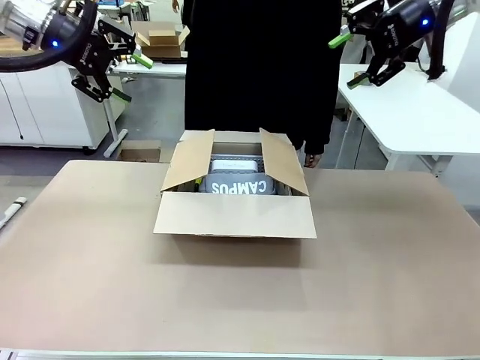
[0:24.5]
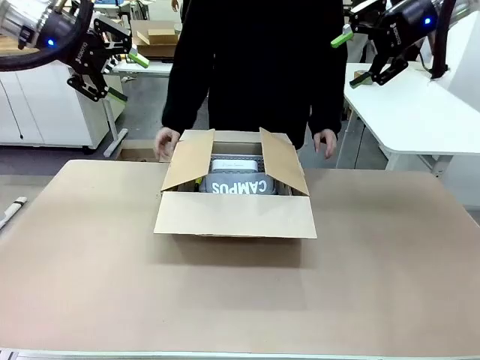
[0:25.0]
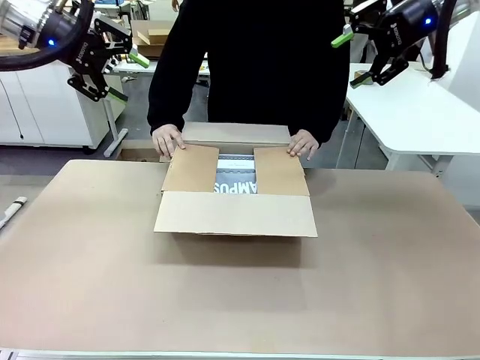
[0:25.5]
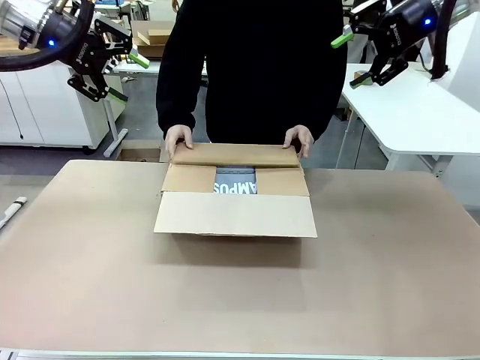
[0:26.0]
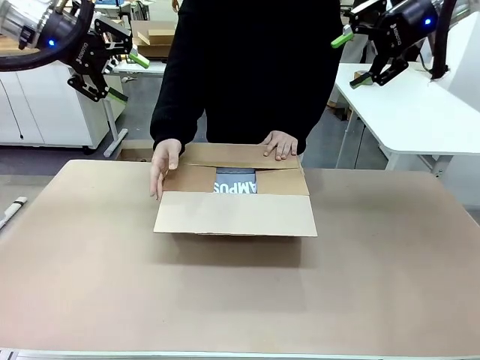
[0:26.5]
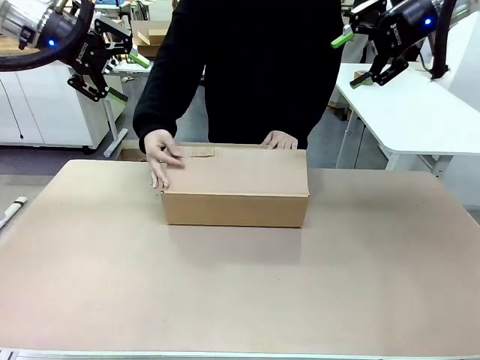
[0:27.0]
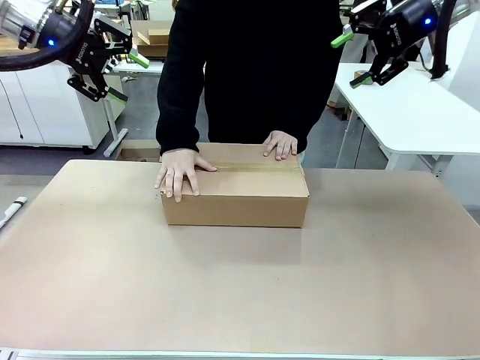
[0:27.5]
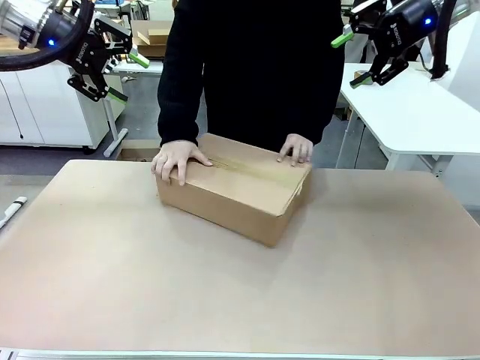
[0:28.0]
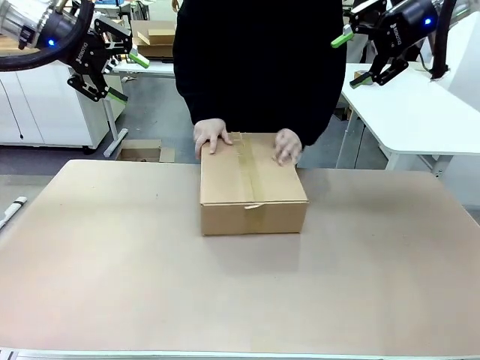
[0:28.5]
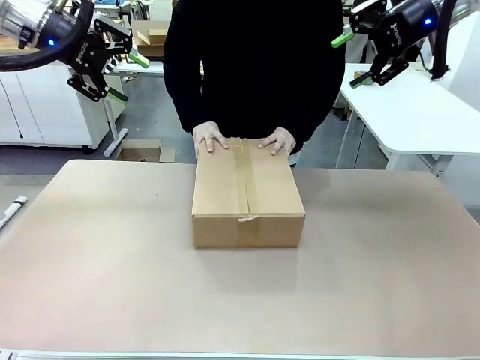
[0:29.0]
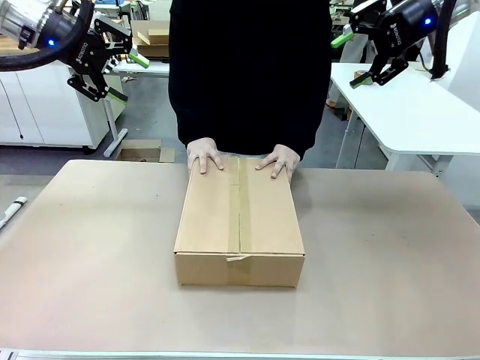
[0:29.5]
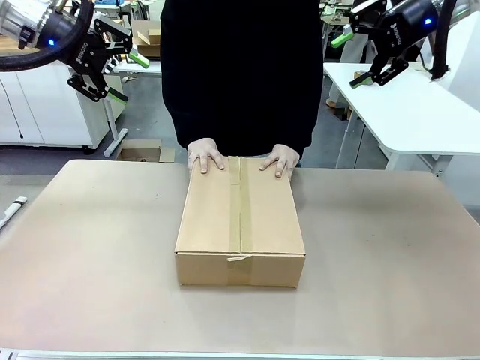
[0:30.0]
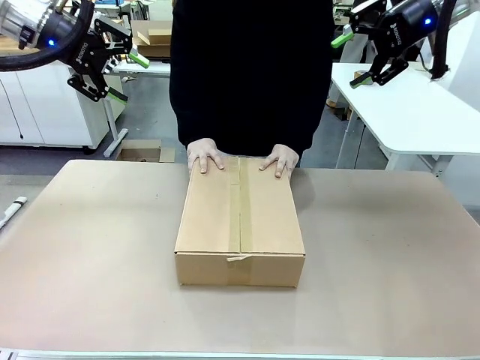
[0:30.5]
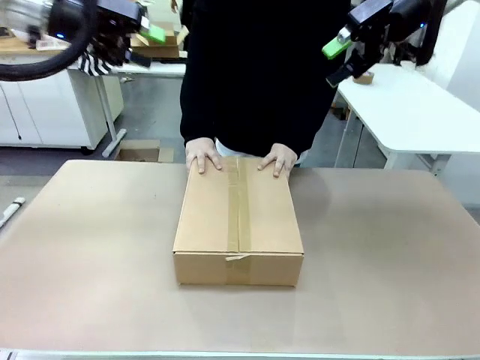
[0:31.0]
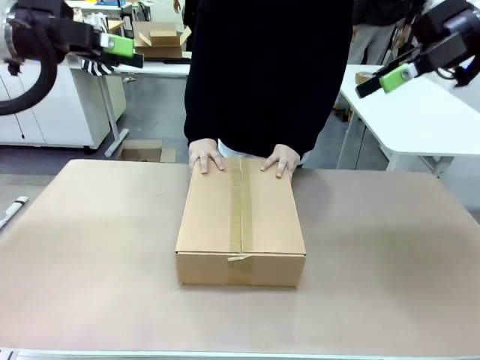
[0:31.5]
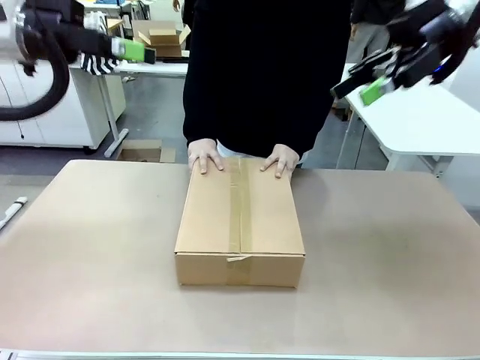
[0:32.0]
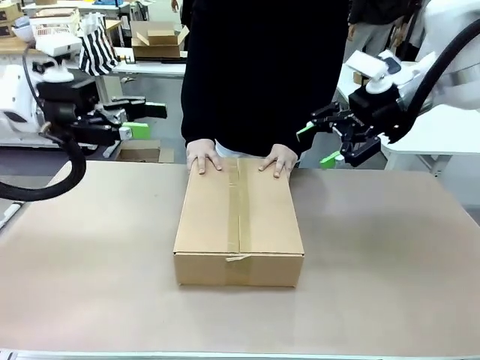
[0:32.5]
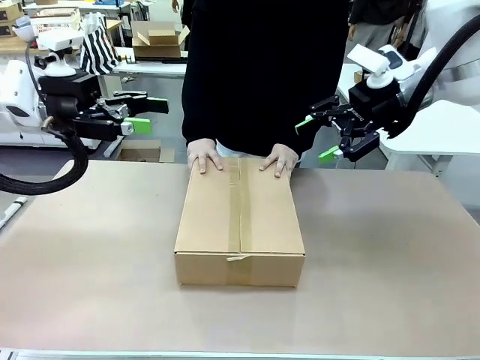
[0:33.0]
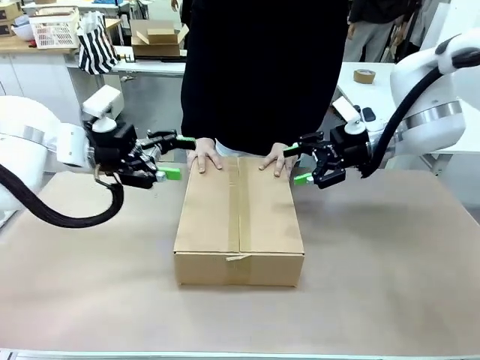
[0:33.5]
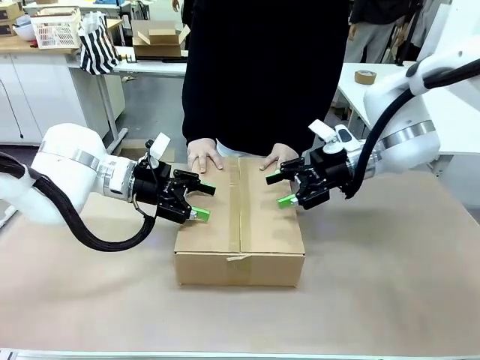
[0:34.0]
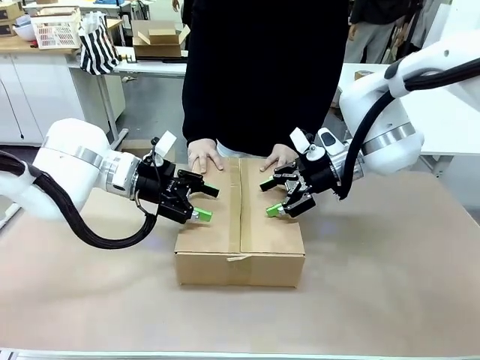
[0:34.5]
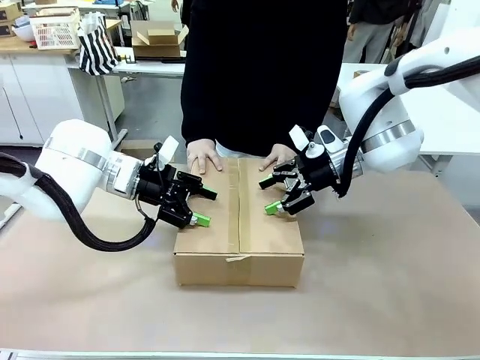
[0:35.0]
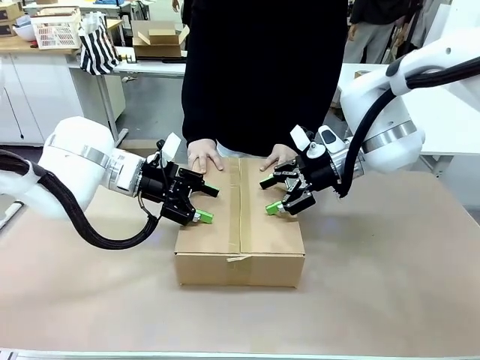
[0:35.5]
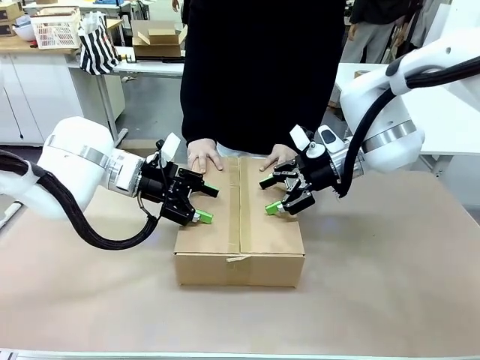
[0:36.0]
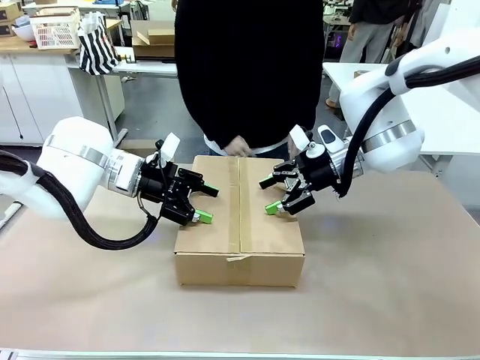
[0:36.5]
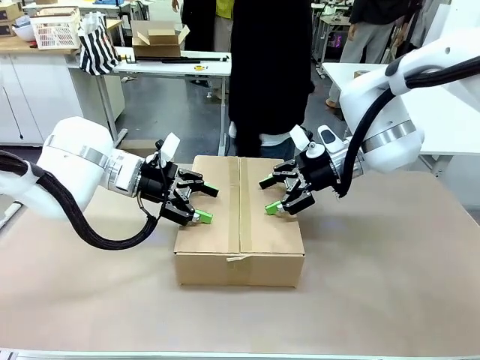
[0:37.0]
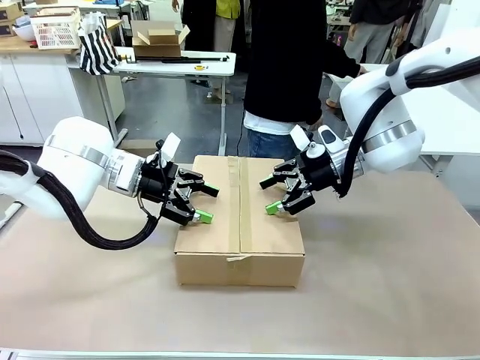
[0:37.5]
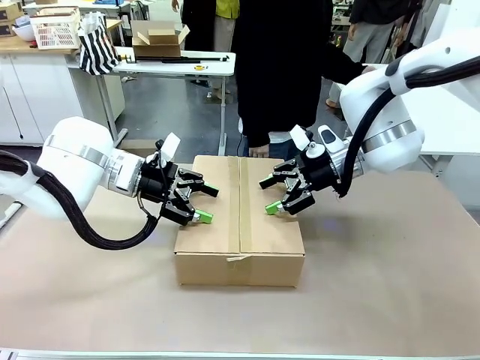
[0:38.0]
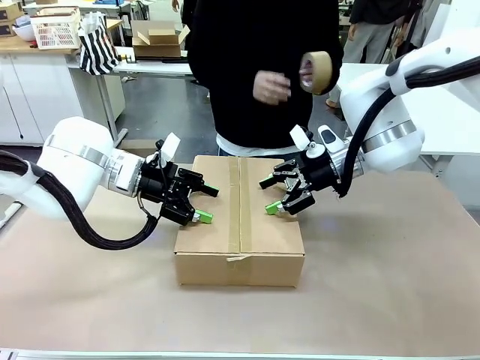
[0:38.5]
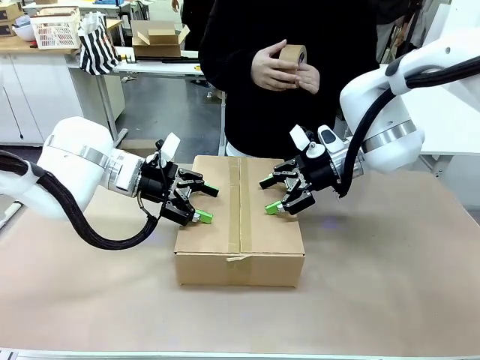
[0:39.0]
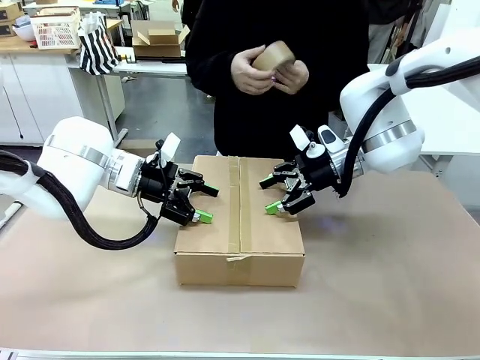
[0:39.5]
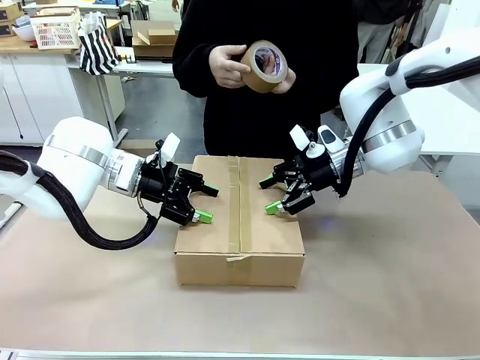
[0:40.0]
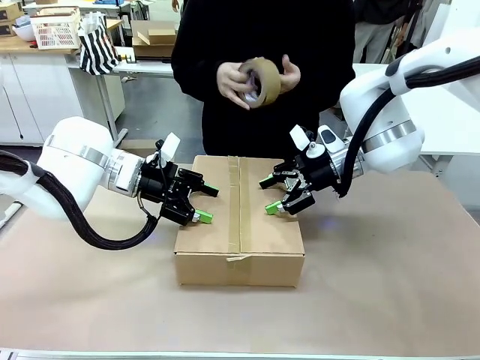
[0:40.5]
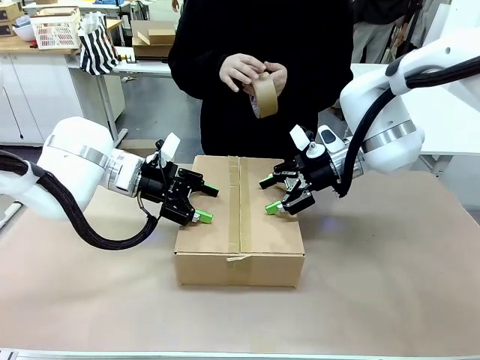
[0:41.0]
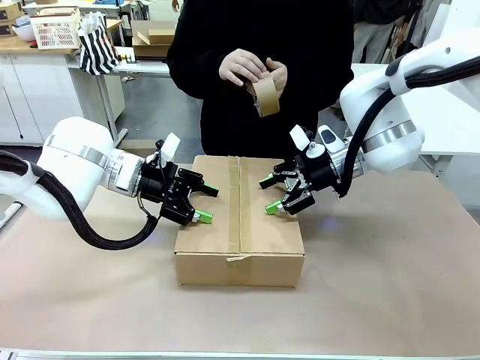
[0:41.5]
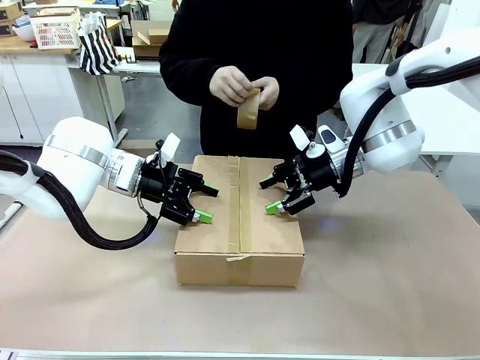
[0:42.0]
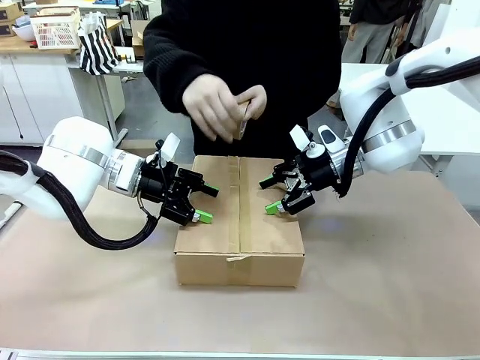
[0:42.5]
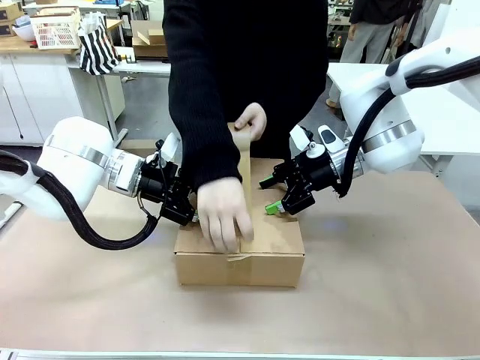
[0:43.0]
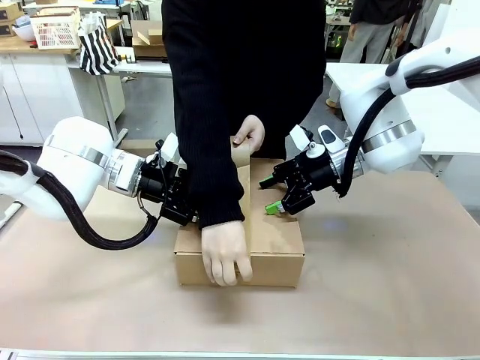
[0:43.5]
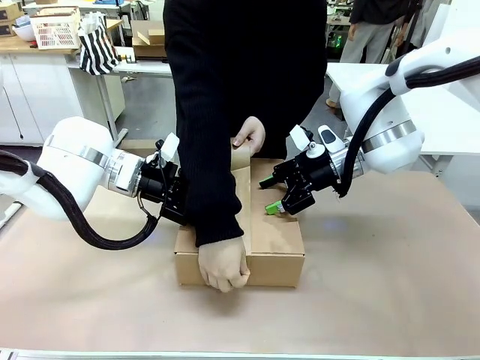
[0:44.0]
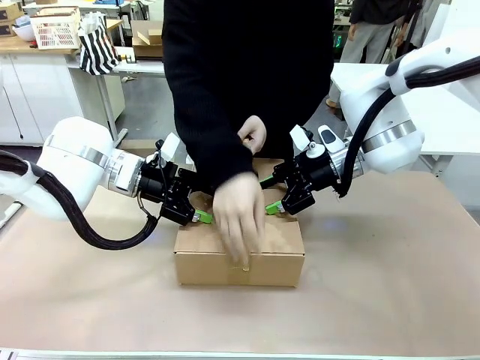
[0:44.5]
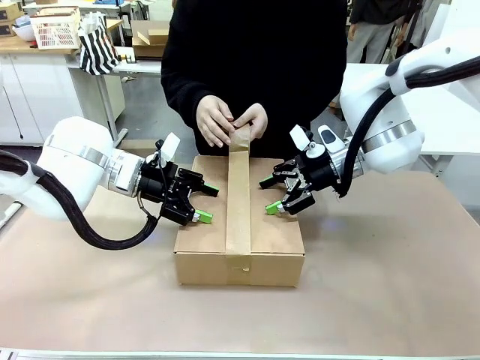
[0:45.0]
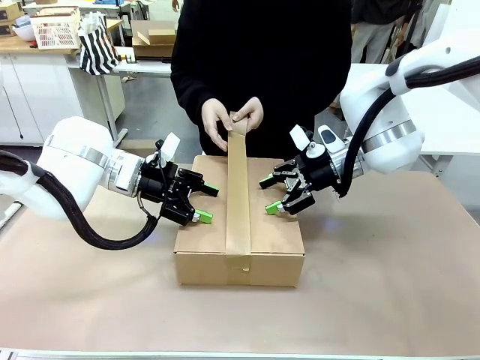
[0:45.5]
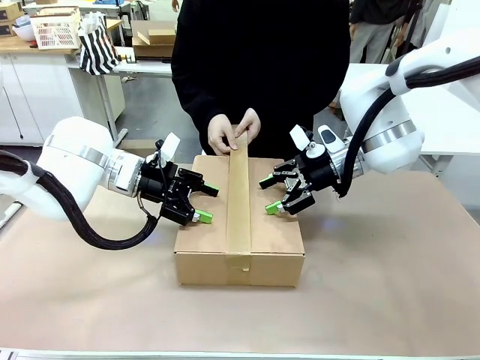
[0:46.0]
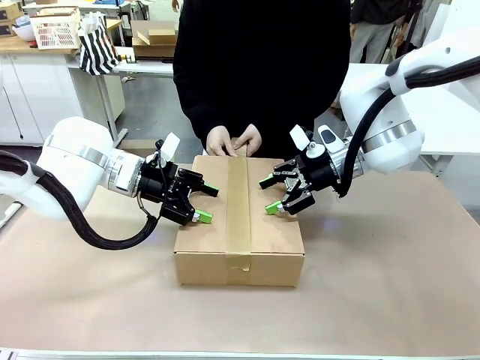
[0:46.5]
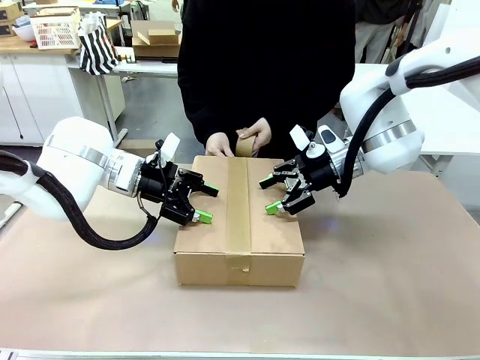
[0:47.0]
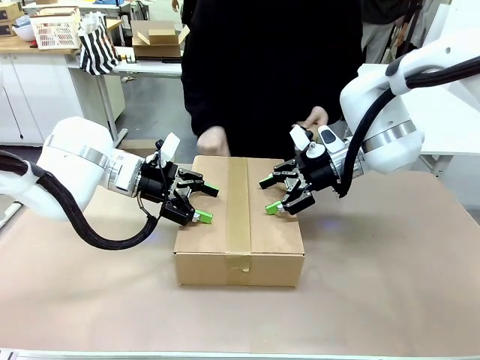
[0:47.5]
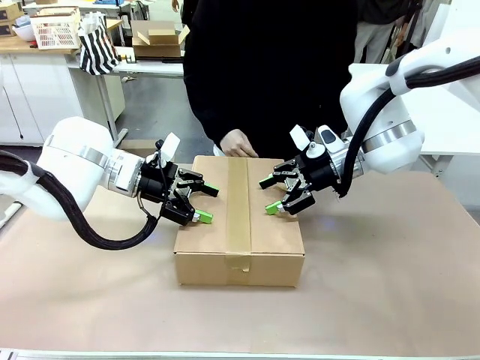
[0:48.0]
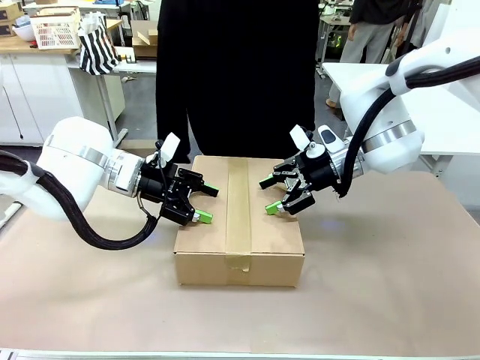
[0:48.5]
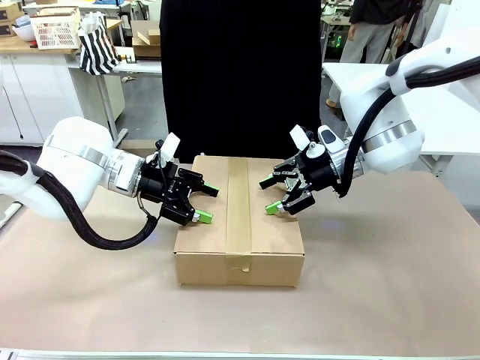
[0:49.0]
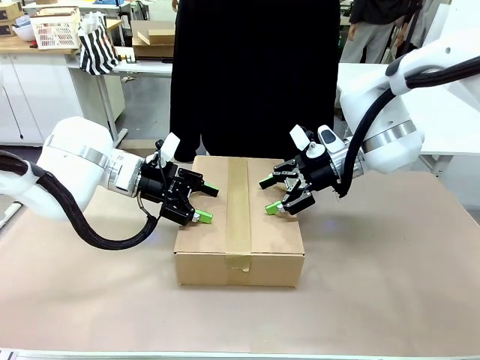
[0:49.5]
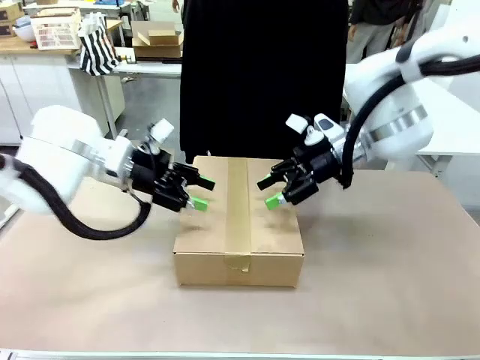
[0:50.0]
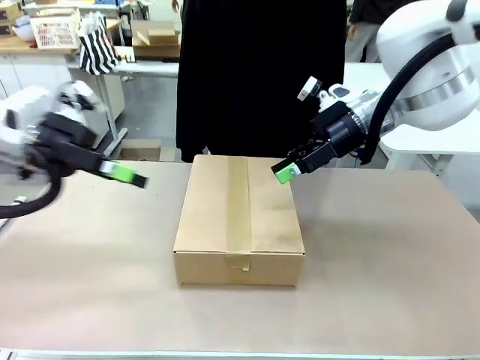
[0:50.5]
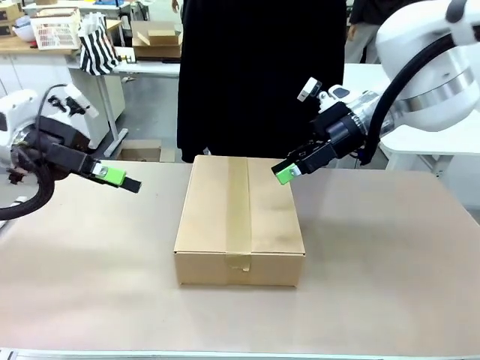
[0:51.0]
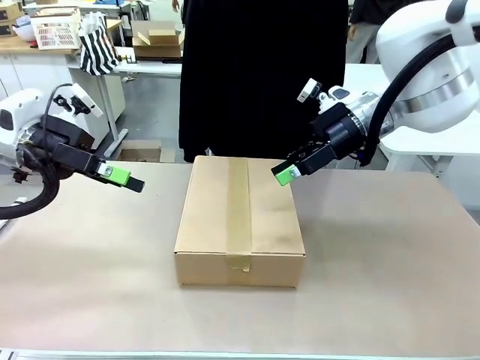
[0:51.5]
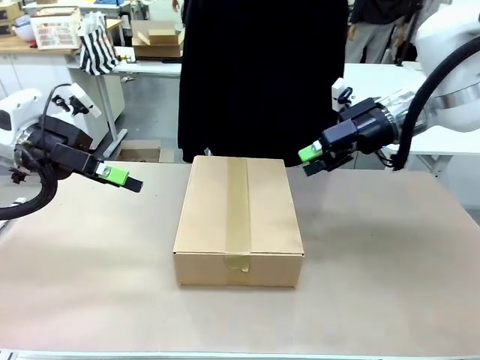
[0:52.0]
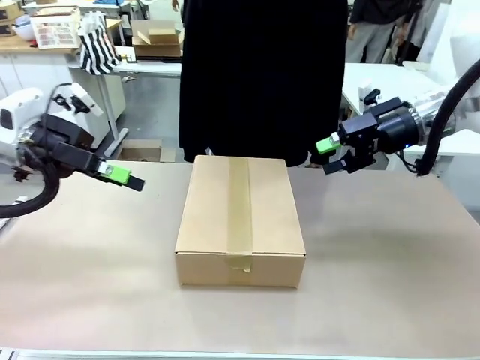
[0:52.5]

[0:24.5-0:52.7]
Task: Pack the gift set into the box.
Robot: Press and hold the closed box until the human finishes sealing it.
Person: The human closes the box and rotates the box by 90 degrees. The human picks up the paper tape from the human table and packs the box.
